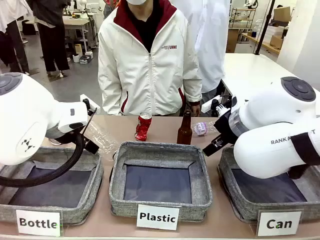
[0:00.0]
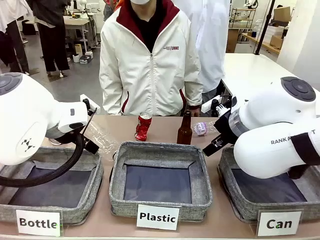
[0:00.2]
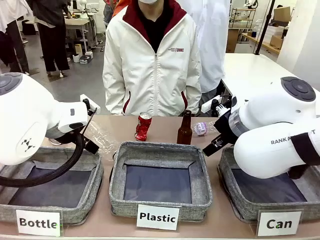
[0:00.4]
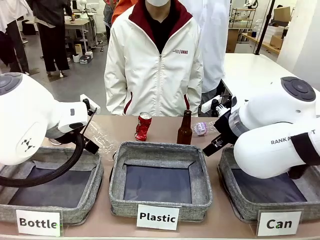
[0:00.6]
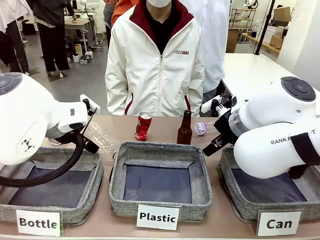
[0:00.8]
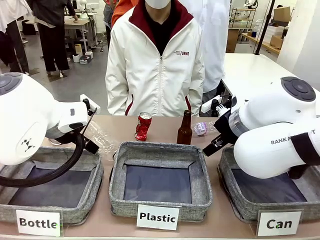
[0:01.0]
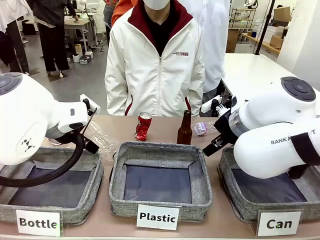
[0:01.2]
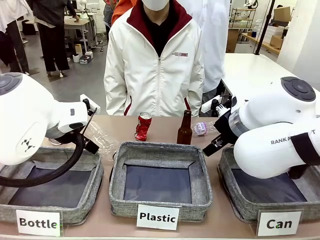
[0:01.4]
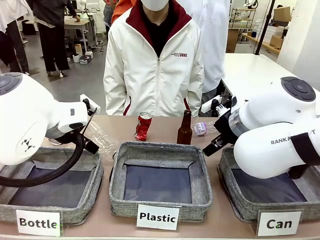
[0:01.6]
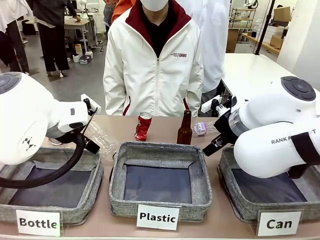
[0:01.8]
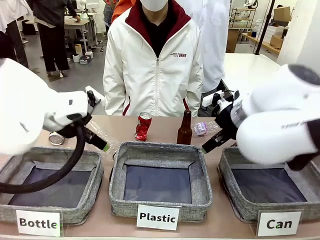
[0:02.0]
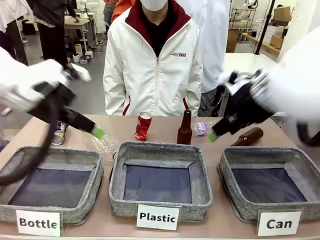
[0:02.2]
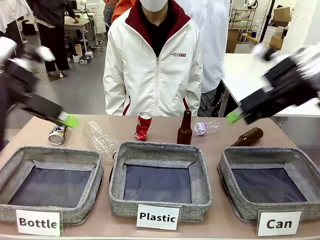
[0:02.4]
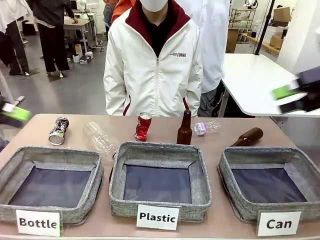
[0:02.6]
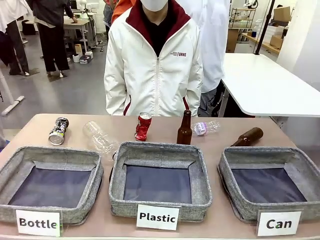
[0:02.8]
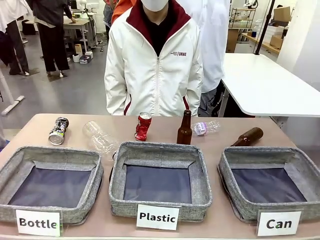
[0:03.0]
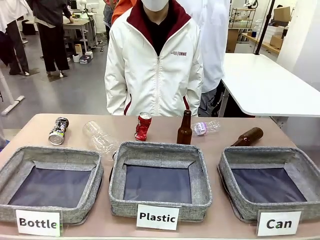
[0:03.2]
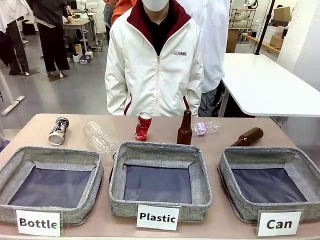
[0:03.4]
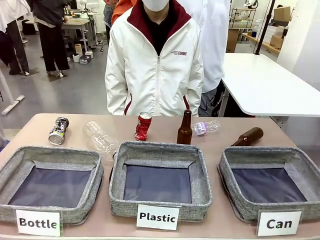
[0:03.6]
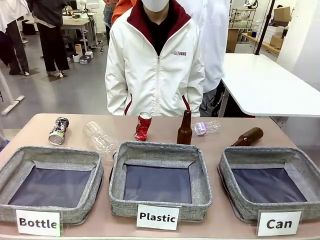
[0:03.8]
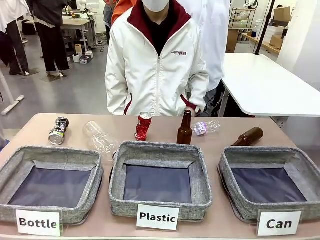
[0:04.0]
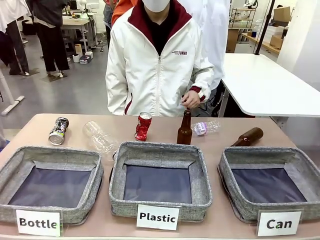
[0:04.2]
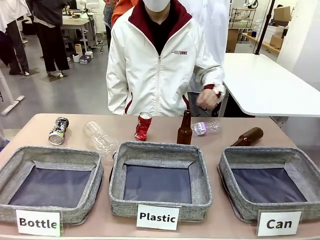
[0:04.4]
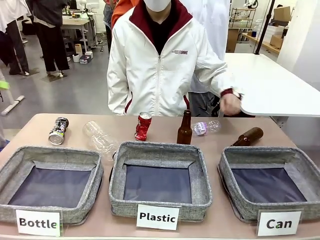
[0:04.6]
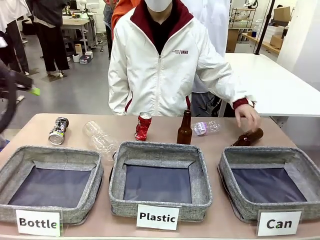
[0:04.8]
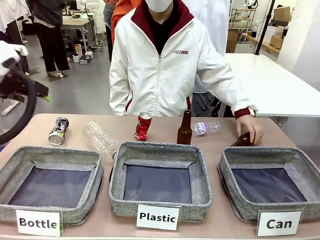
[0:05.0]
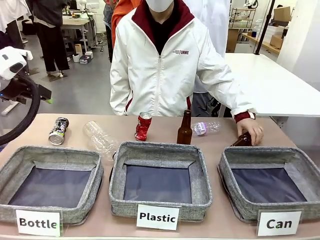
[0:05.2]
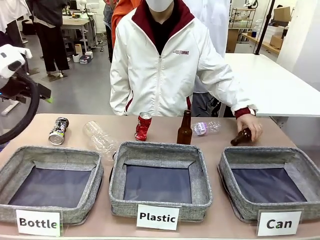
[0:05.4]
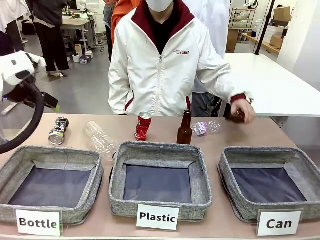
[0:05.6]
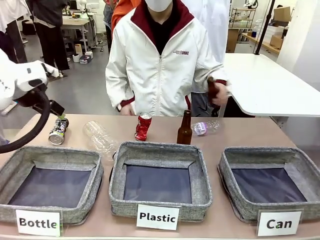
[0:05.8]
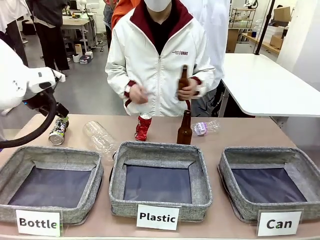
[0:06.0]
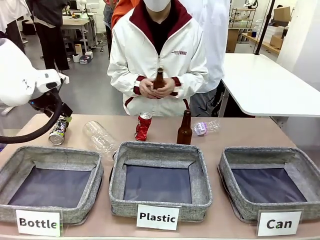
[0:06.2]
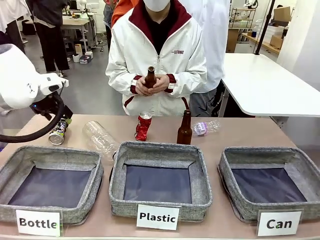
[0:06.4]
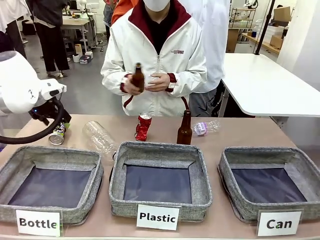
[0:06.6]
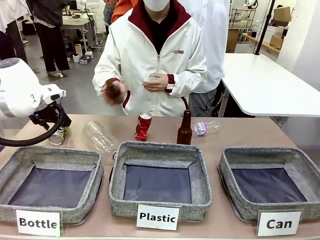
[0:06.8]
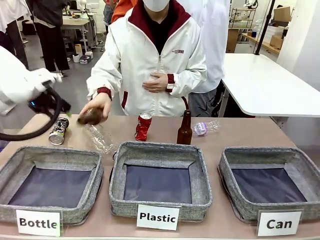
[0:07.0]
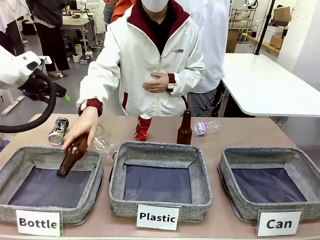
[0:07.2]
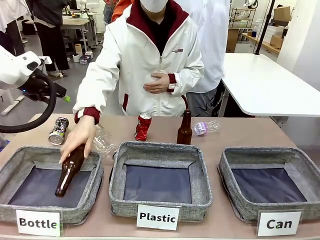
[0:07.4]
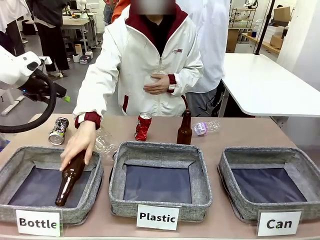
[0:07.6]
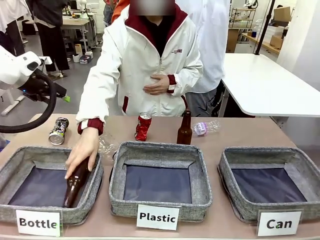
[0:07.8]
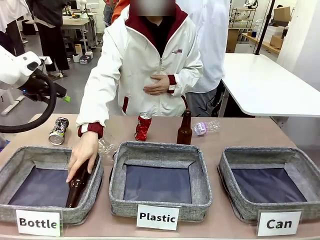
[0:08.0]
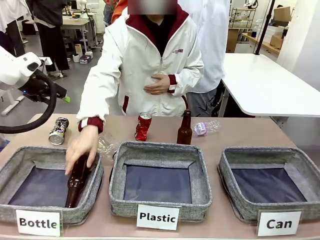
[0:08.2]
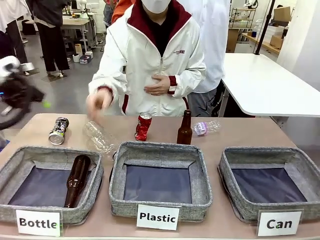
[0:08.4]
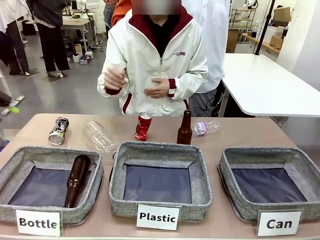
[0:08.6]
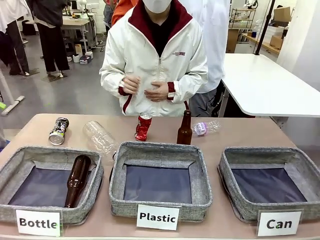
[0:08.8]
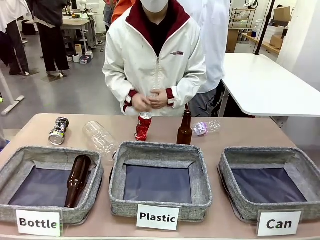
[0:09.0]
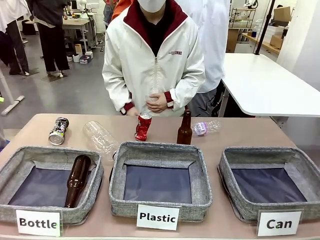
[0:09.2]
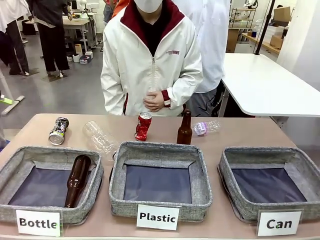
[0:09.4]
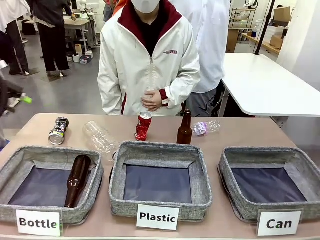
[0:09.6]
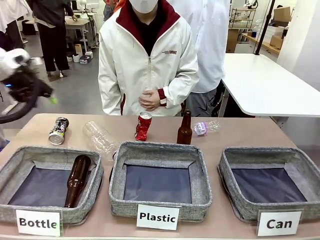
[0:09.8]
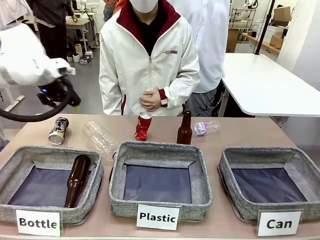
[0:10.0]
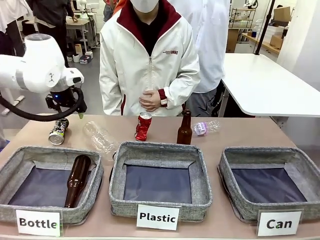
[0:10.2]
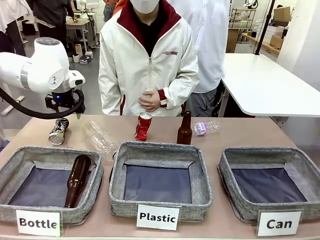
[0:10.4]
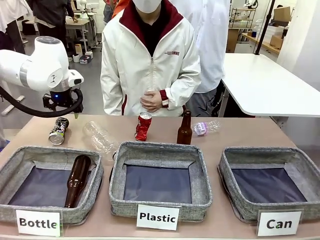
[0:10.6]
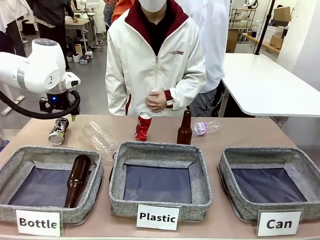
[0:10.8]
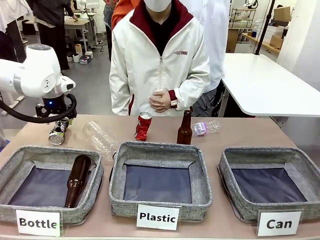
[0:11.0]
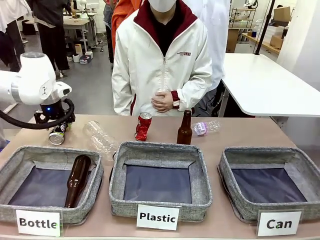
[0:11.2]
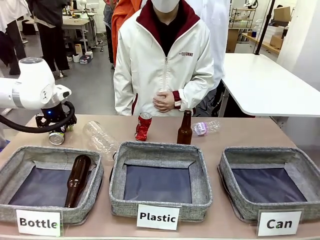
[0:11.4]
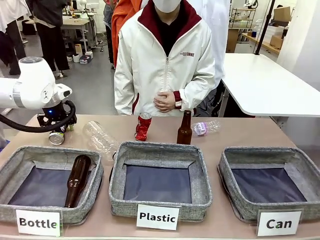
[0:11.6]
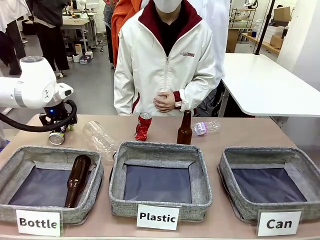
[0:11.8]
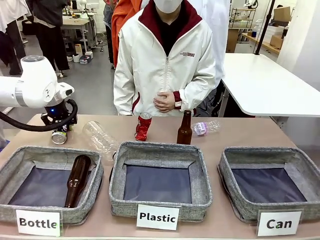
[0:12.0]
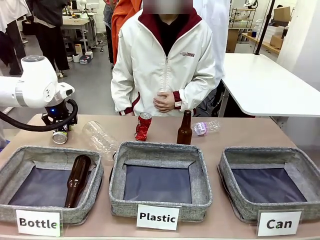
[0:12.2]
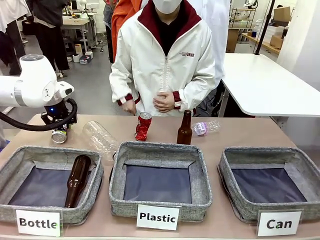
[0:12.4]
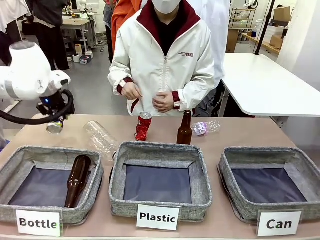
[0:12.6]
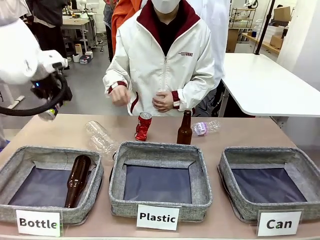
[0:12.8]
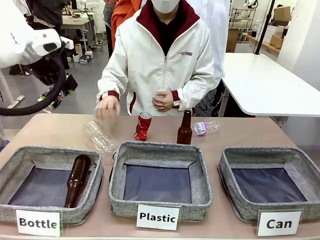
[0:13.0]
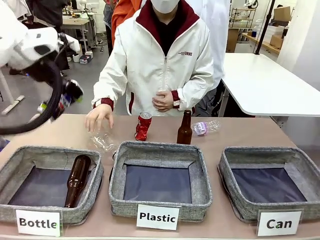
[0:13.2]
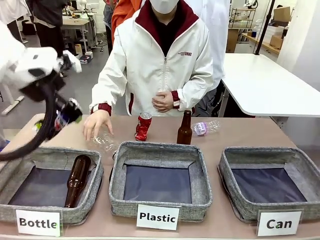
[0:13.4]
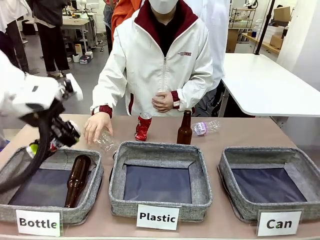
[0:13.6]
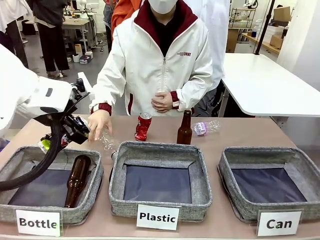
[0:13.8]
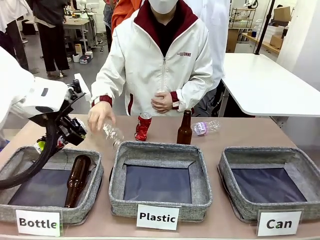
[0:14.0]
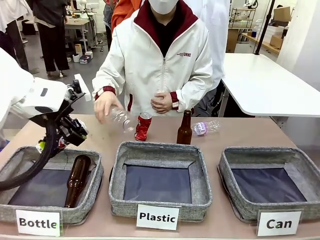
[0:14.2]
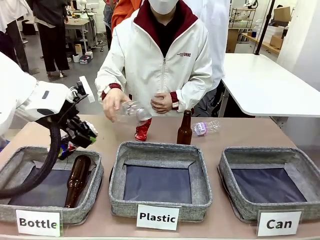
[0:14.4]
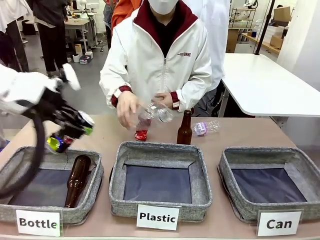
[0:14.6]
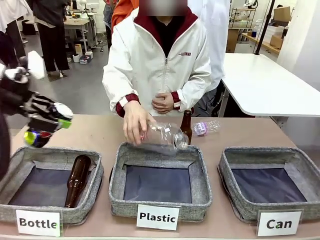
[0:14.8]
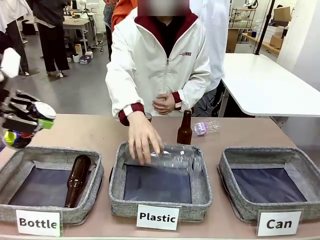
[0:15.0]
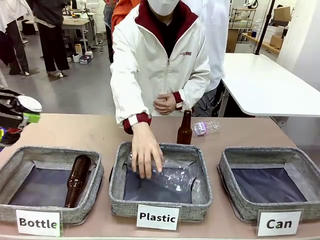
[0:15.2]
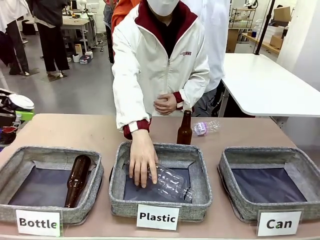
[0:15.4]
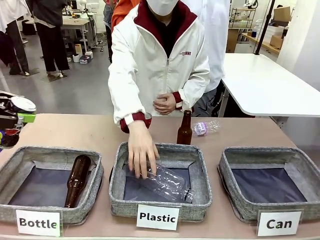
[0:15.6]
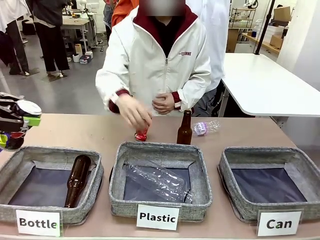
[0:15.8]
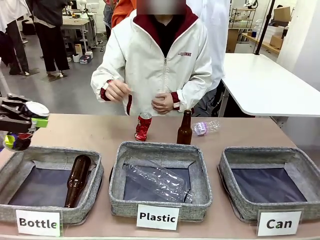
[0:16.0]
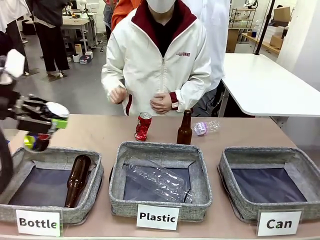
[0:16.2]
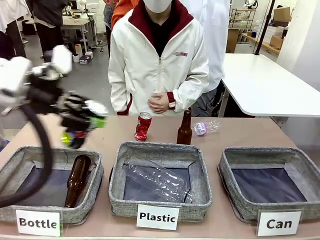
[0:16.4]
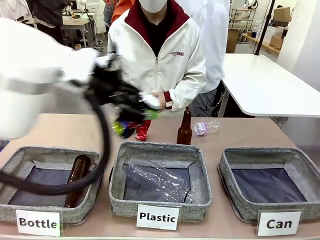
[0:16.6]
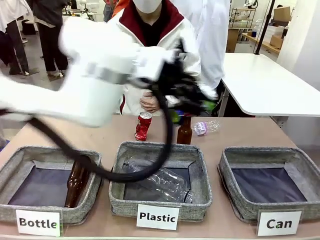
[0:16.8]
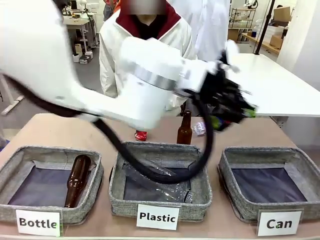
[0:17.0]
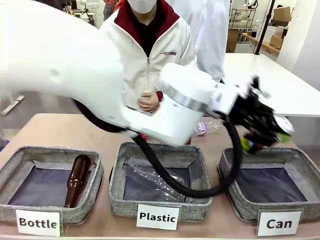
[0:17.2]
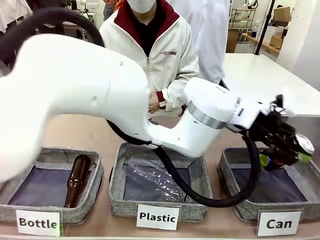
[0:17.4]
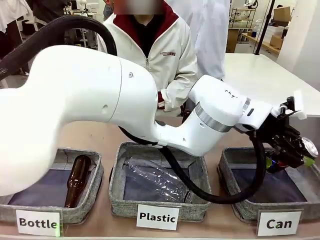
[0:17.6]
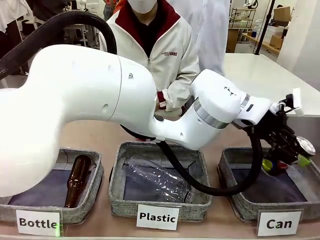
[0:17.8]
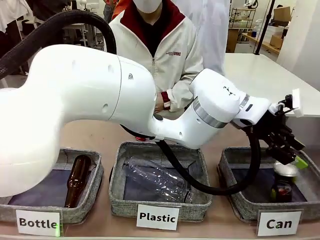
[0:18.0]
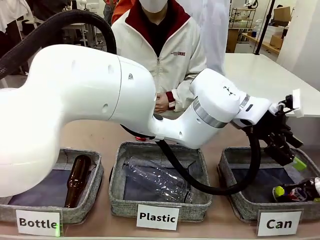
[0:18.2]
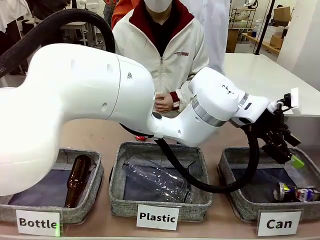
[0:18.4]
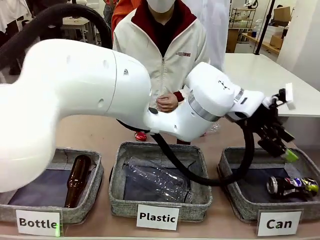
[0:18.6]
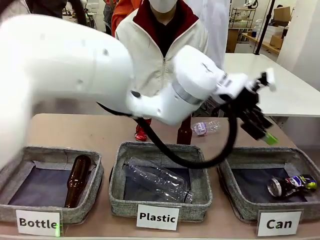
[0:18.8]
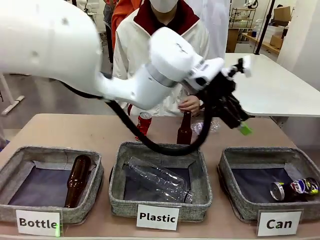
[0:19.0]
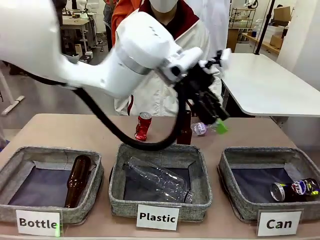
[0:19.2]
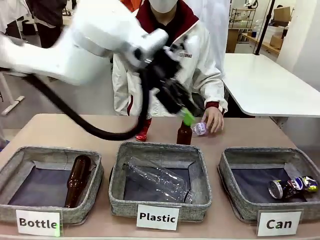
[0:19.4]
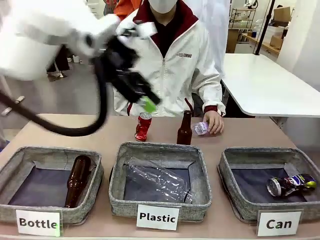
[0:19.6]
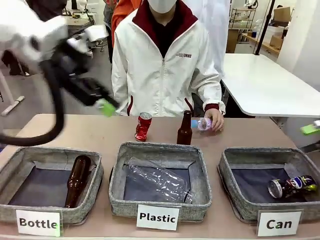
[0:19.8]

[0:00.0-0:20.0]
Task: Sort the can waste into the basket.
Robot: Pick up the can waste from the table and place it in the right Fabric basket.
